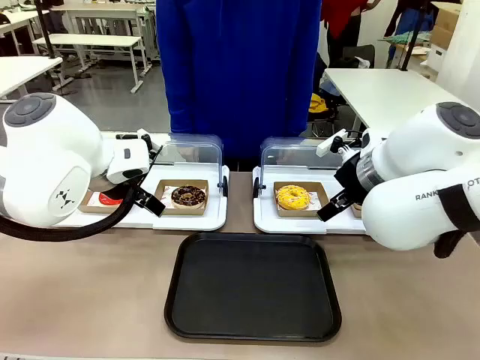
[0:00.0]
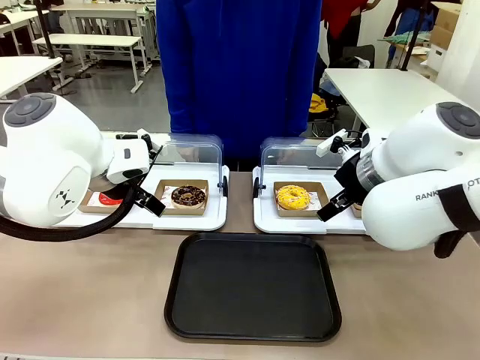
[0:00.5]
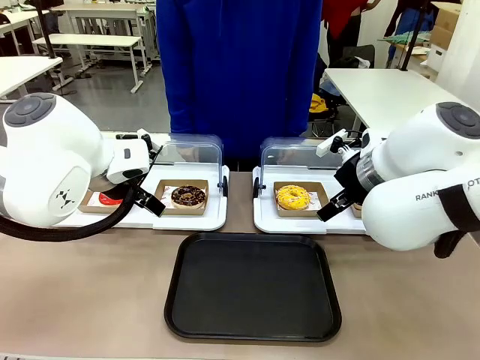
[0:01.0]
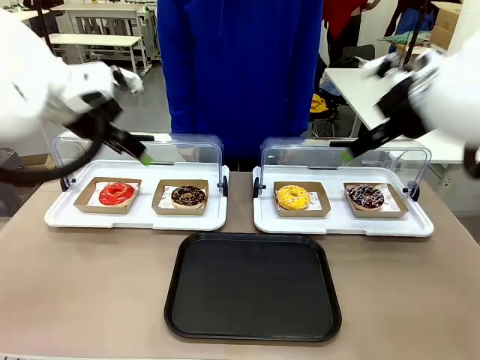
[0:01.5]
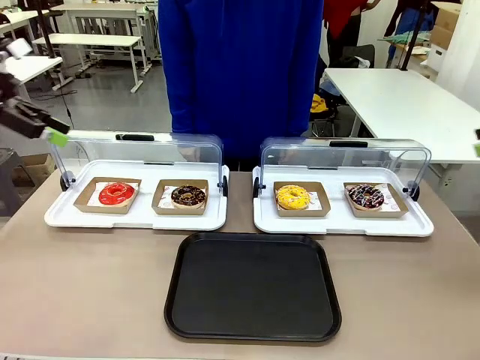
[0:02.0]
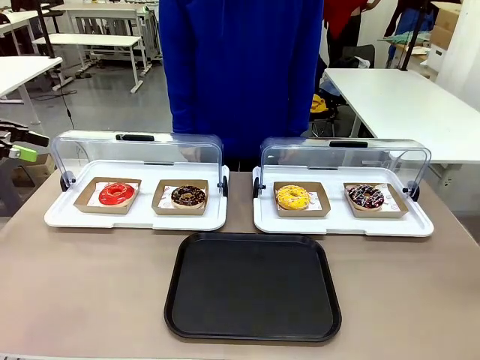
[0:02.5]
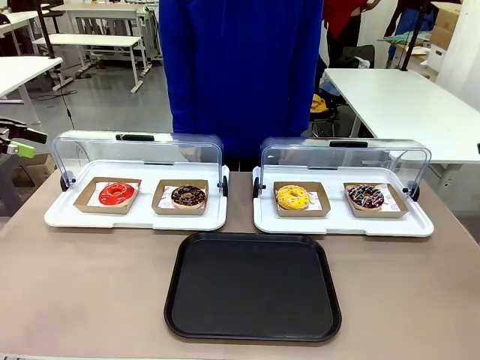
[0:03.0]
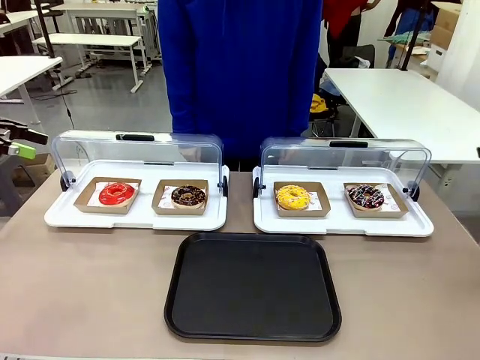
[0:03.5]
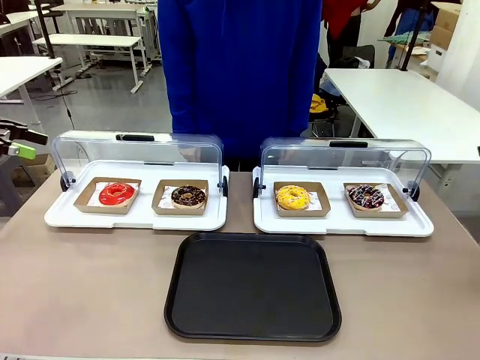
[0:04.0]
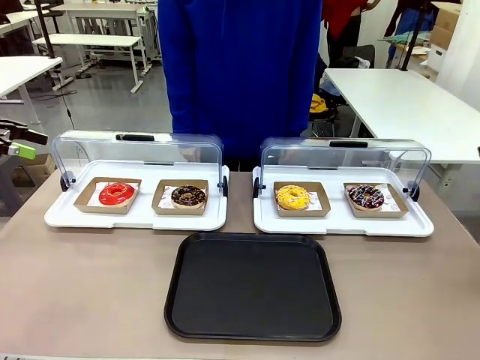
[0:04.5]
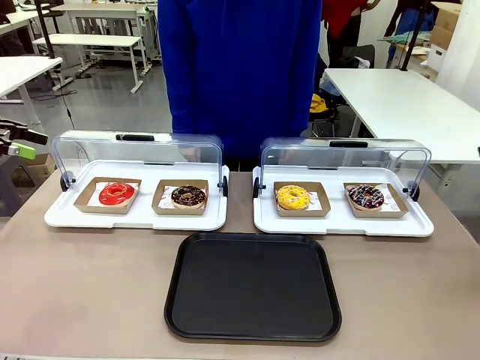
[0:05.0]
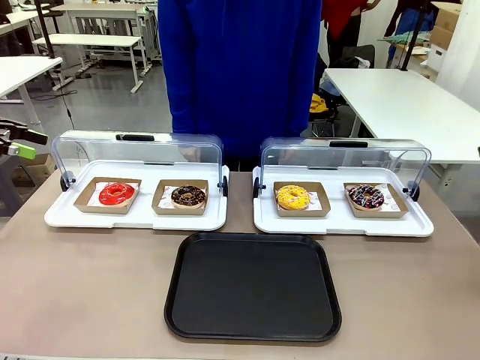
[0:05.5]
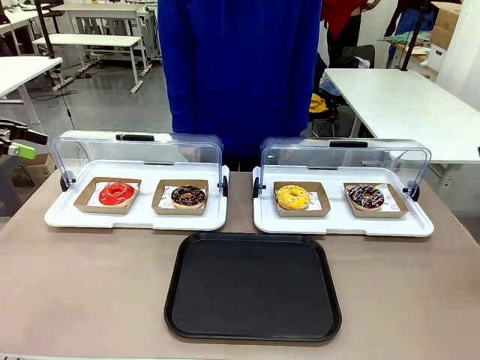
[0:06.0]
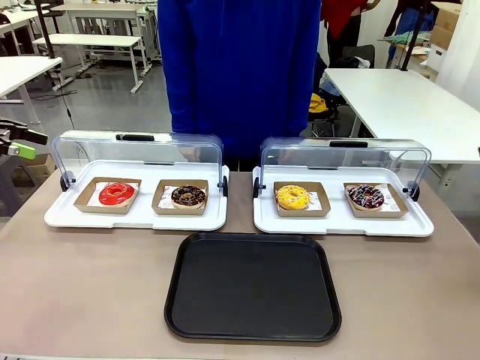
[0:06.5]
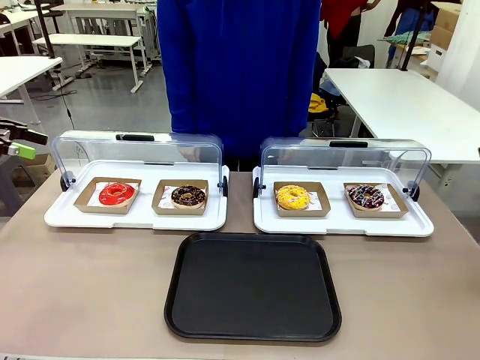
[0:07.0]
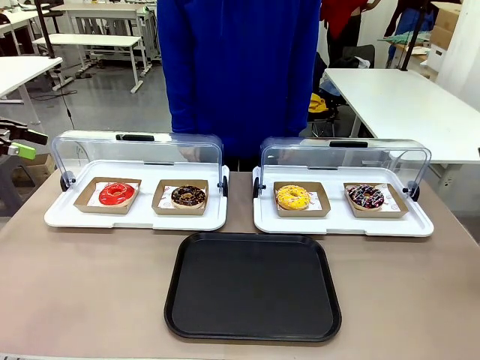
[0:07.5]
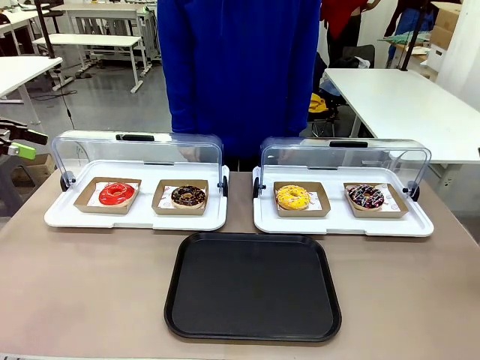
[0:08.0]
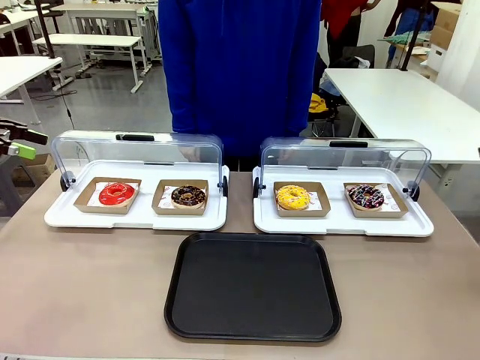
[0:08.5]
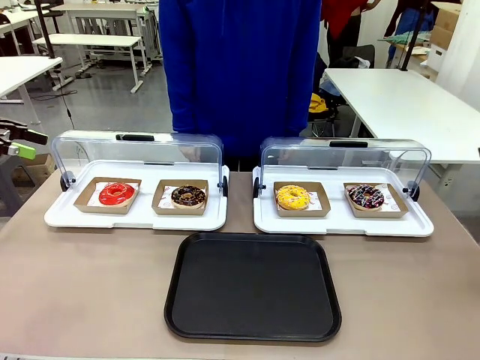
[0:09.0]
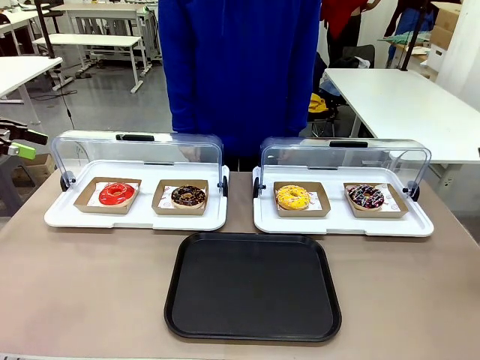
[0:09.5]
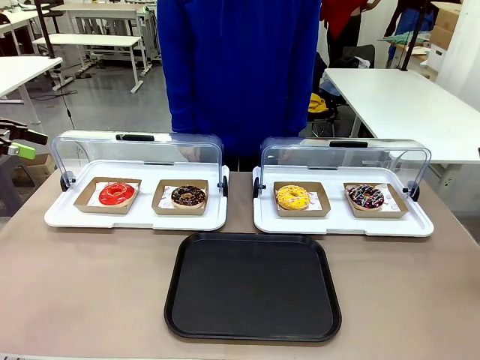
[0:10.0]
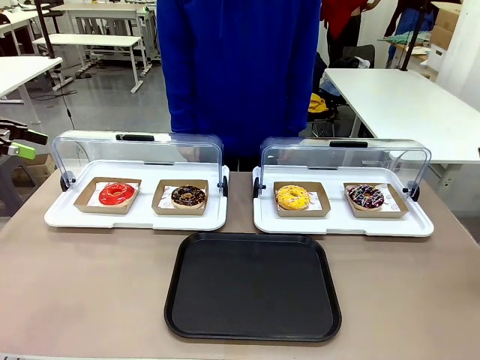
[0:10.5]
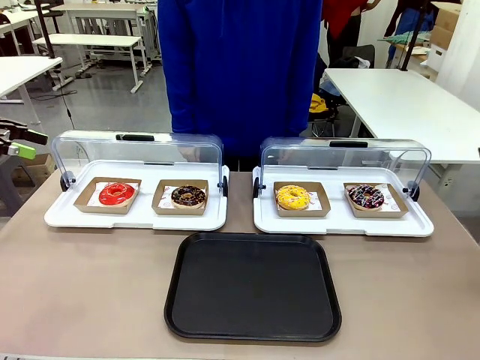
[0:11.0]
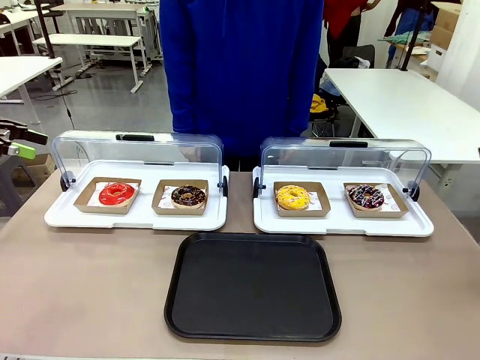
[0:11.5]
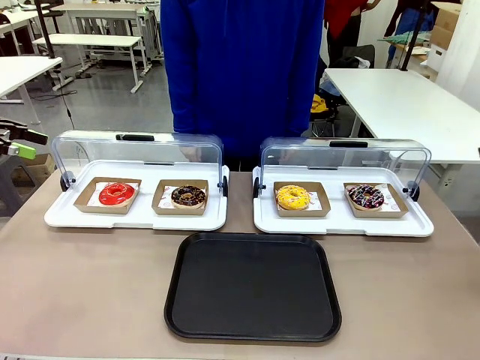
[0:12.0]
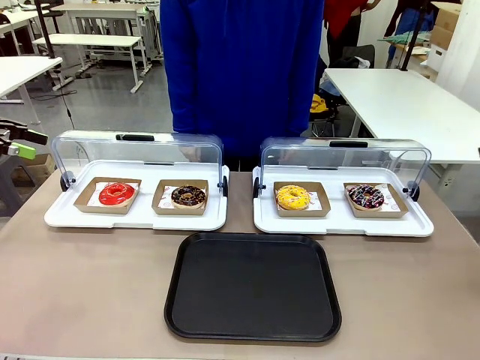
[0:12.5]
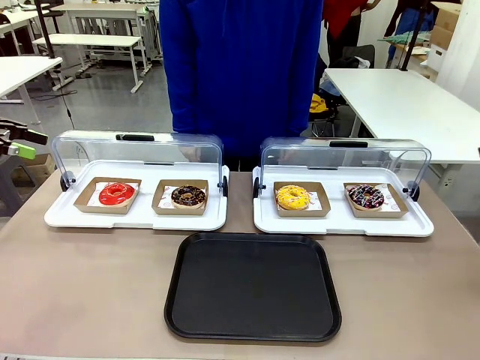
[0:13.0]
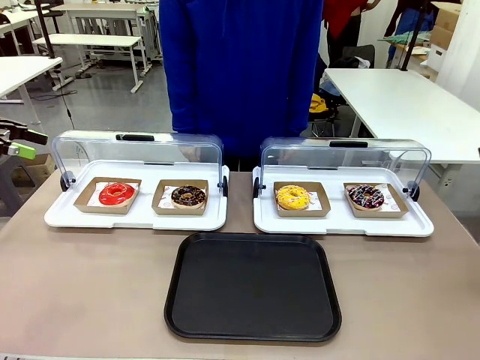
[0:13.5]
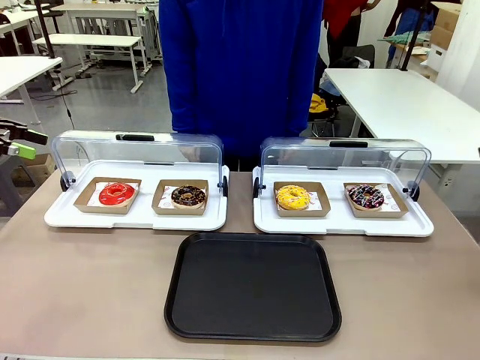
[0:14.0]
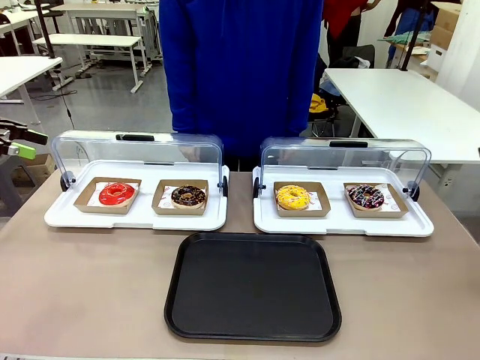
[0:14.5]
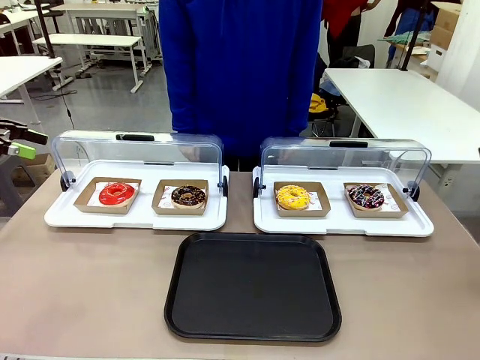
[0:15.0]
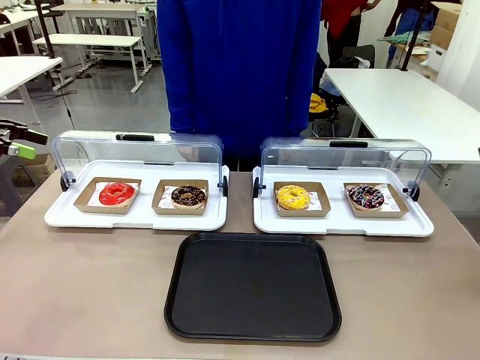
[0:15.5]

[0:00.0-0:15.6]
Task: Move the first donut from the left to the tray.
Robot: Pick up the Paper togo box containing the Donut indicated by the person and place it on the Handle tray.

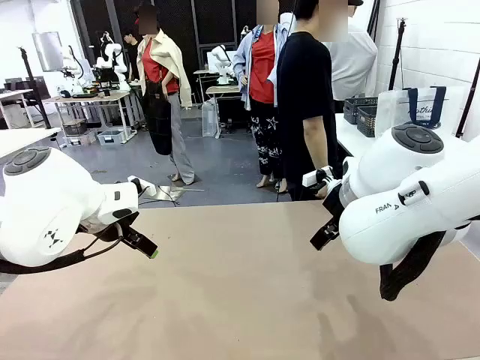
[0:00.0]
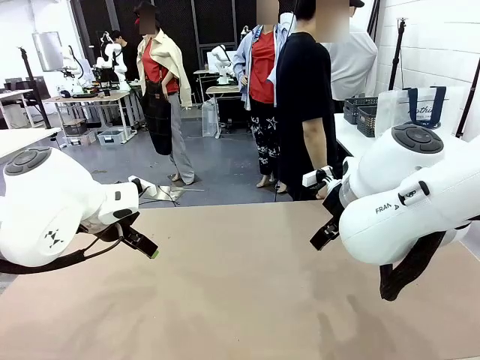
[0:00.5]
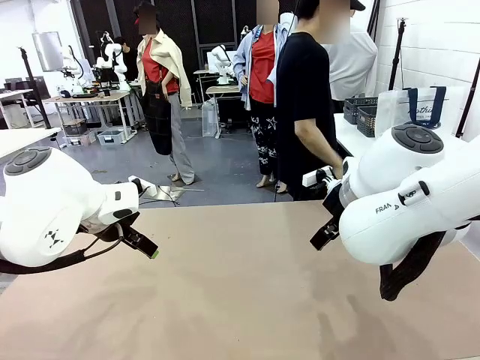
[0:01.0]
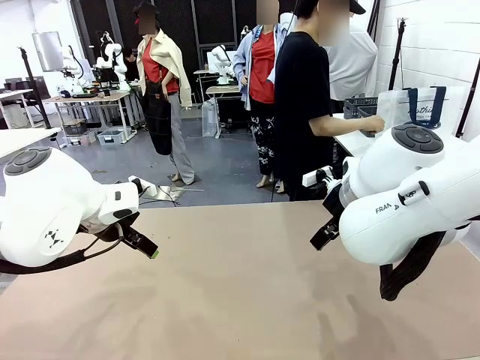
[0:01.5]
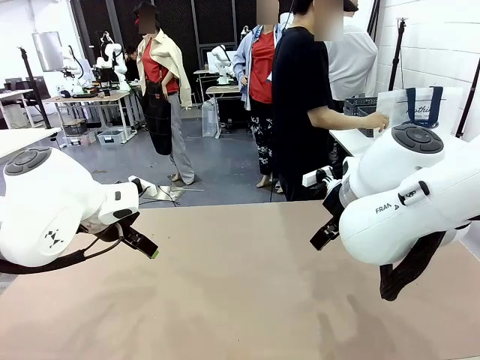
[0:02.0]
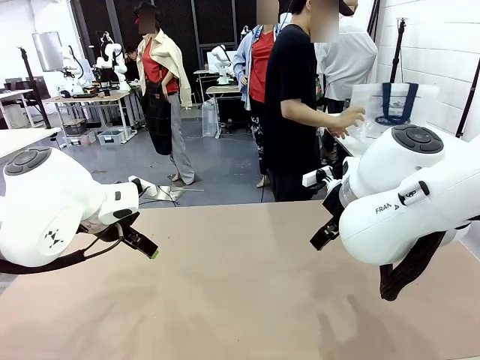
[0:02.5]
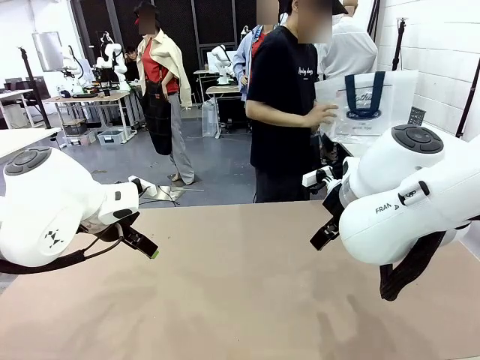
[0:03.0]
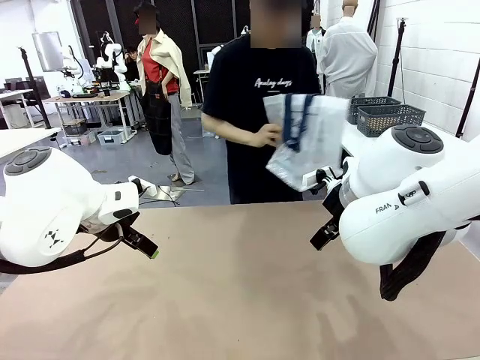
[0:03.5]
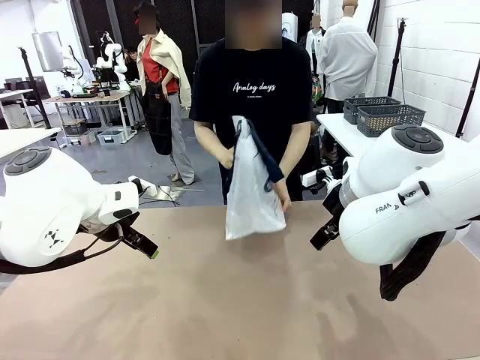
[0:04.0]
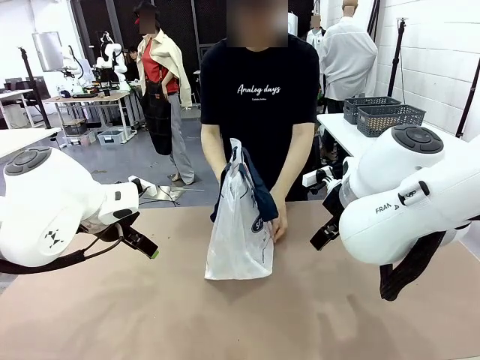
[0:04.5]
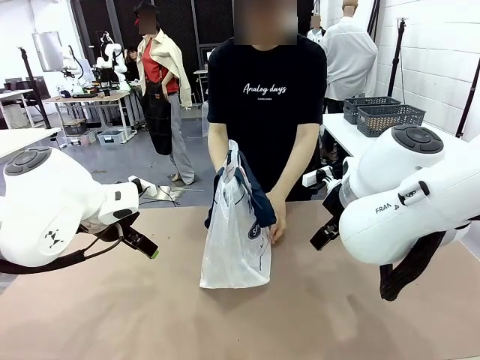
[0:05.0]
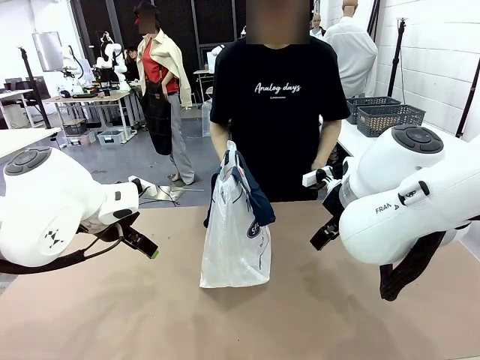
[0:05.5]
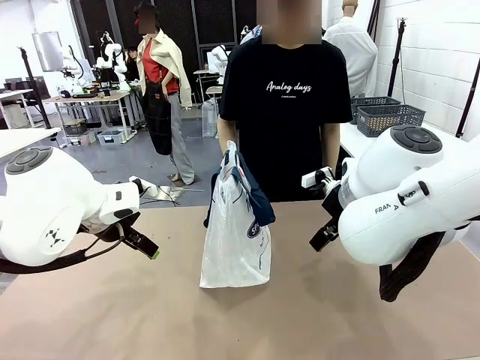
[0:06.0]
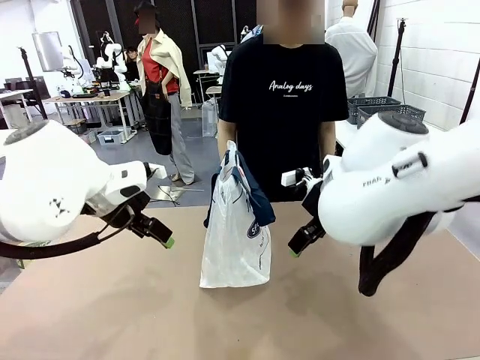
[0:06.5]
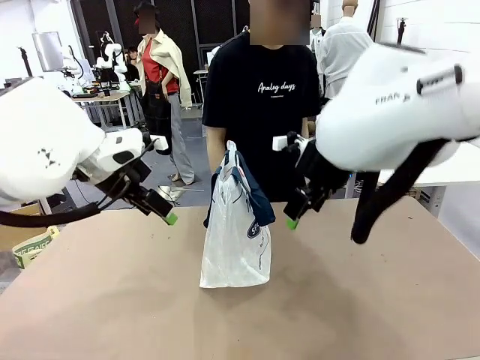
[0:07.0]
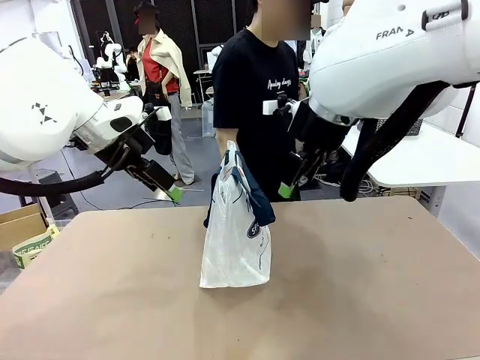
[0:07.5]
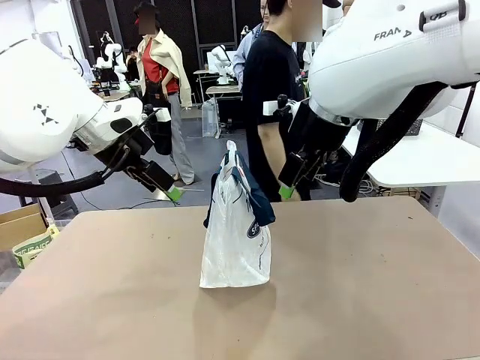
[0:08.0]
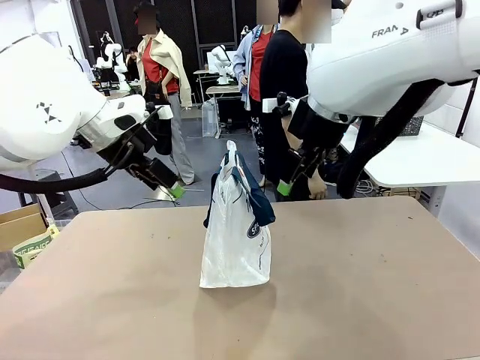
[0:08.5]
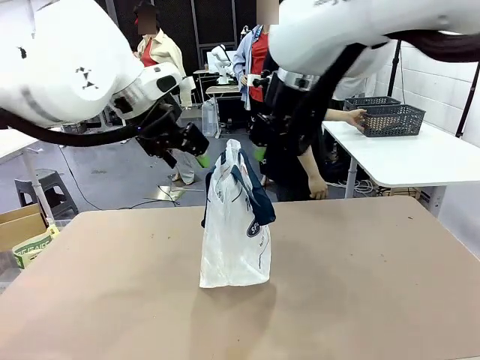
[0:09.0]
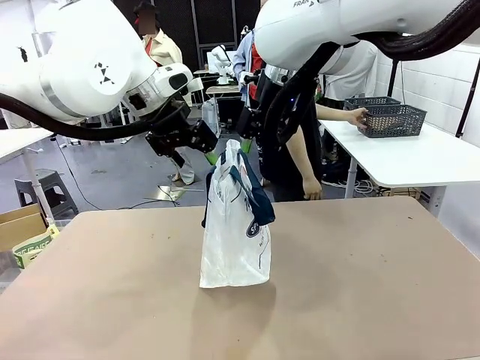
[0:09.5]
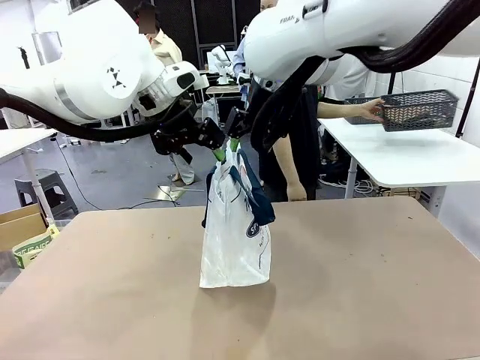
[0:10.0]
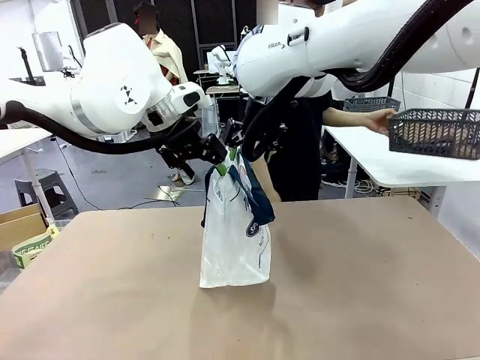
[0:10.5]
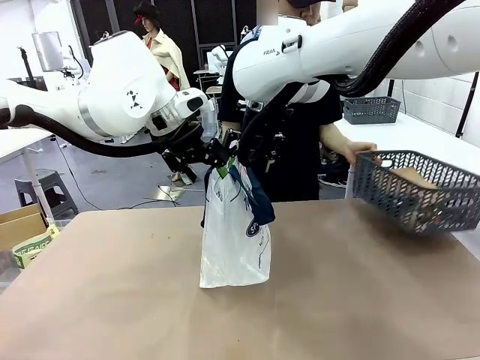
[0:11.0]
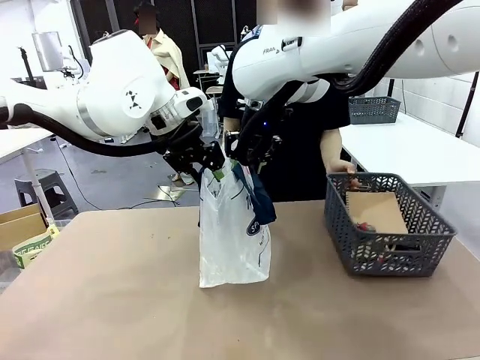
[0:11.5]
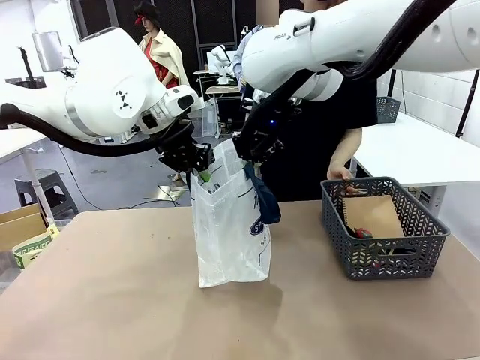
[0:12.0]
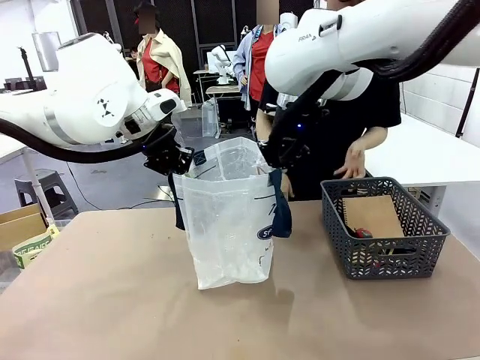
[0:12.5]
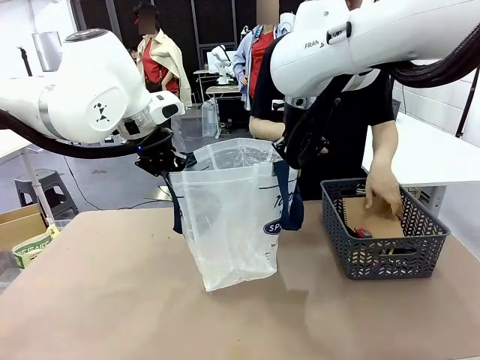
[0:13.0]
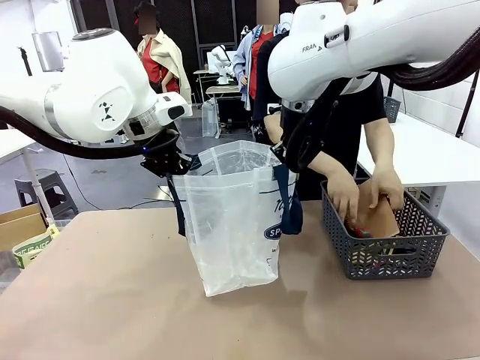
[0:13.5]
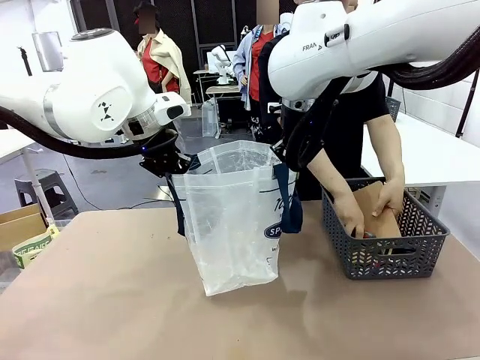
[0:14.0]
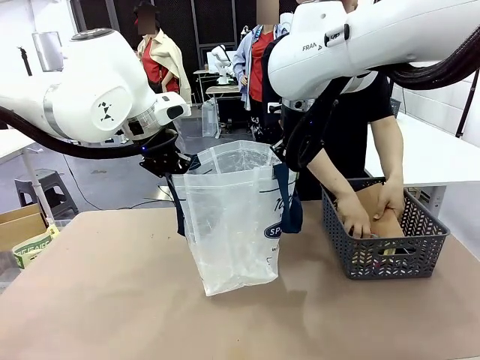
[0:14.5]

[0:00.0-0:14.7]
Task: Transfer purchased items from the store into the shopping bag.
Robot: Open the Reusable shopping bag in the center of the table.
Person: Pick up the shopping bag and place it in the middle of the robot table.
